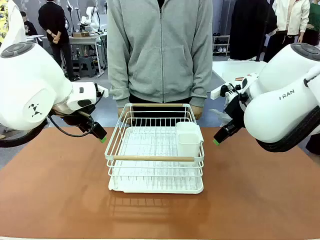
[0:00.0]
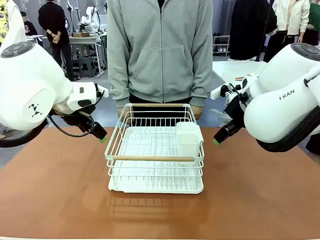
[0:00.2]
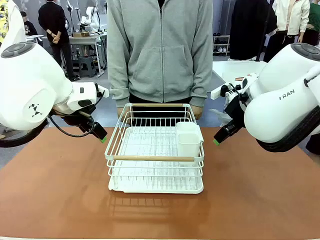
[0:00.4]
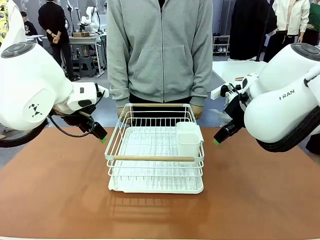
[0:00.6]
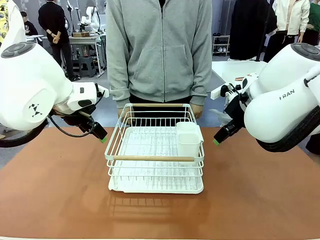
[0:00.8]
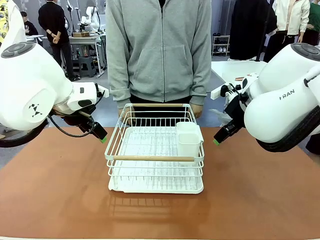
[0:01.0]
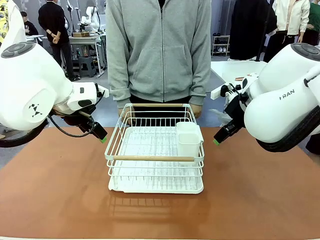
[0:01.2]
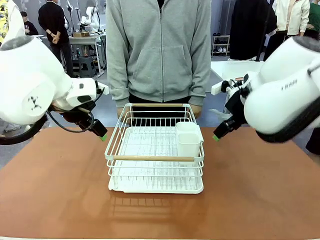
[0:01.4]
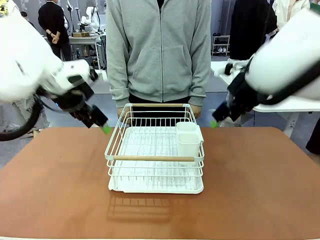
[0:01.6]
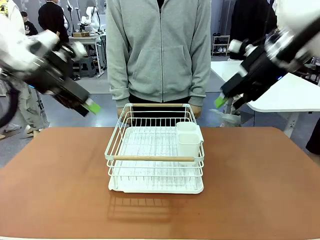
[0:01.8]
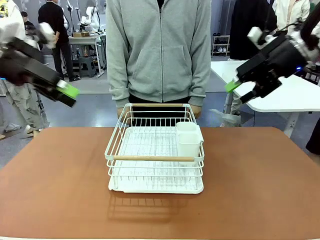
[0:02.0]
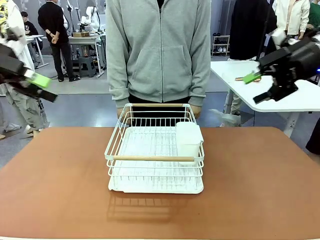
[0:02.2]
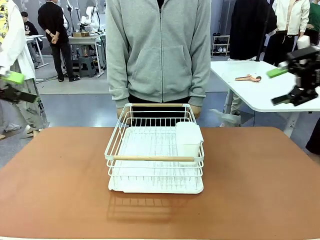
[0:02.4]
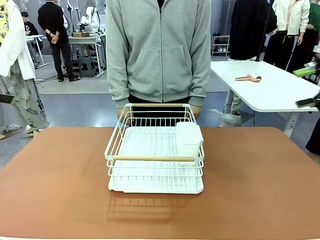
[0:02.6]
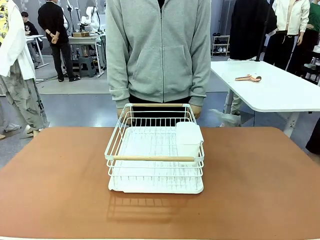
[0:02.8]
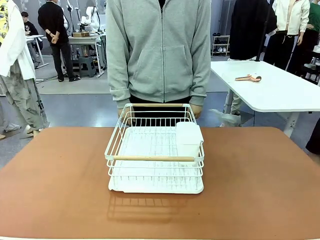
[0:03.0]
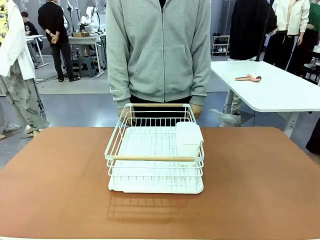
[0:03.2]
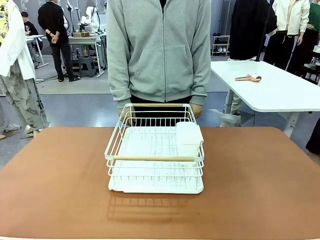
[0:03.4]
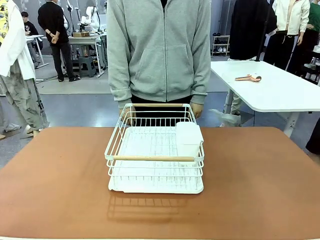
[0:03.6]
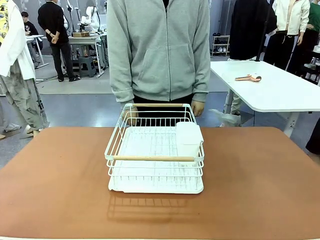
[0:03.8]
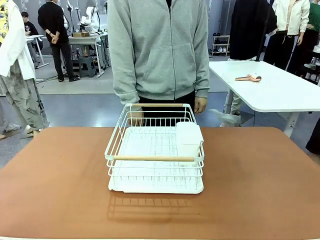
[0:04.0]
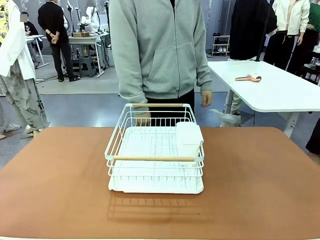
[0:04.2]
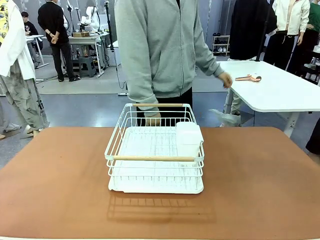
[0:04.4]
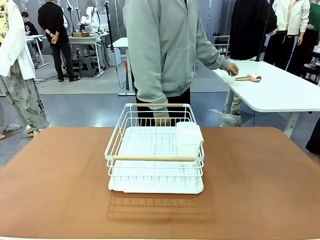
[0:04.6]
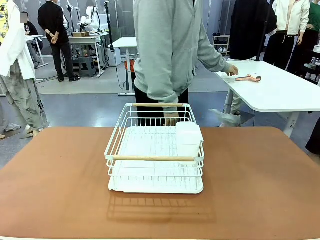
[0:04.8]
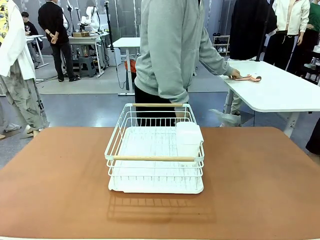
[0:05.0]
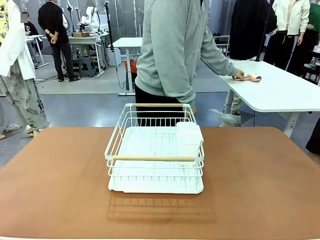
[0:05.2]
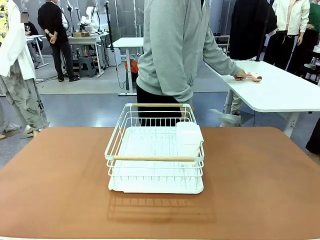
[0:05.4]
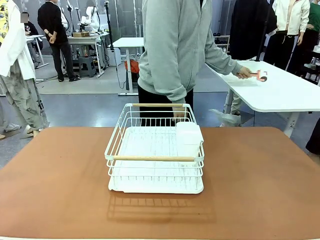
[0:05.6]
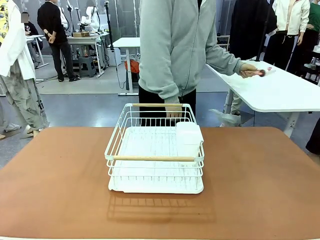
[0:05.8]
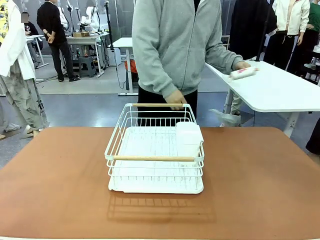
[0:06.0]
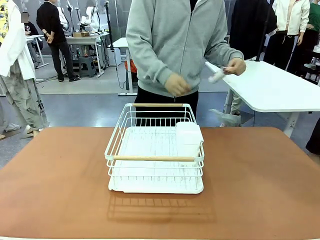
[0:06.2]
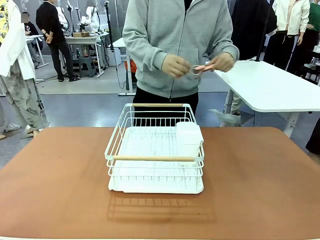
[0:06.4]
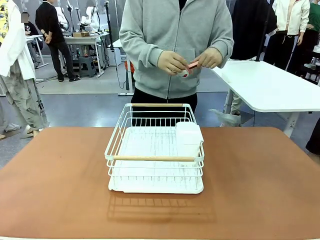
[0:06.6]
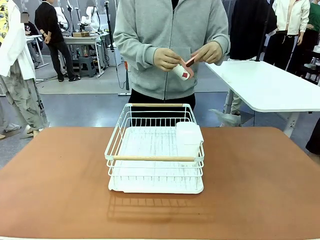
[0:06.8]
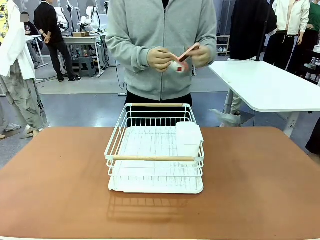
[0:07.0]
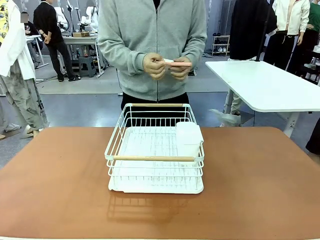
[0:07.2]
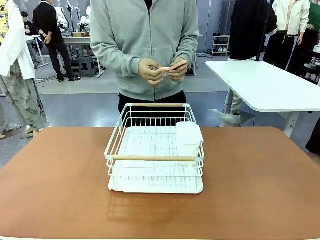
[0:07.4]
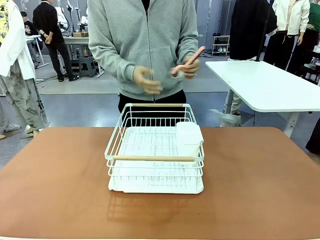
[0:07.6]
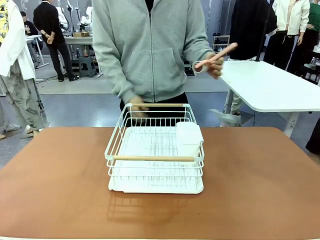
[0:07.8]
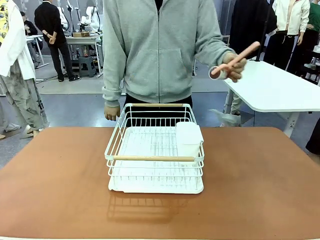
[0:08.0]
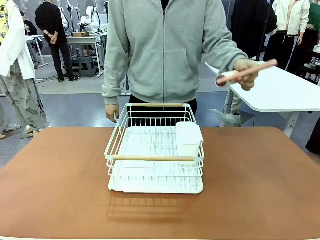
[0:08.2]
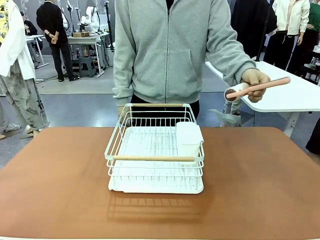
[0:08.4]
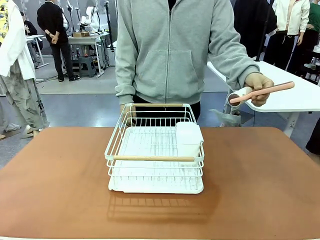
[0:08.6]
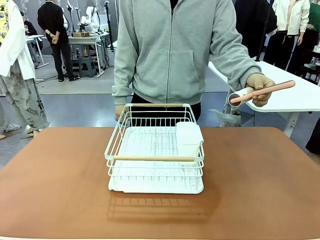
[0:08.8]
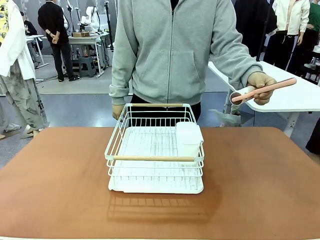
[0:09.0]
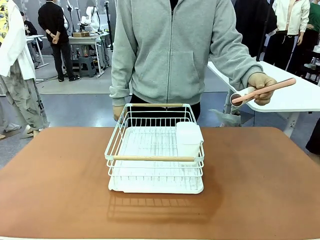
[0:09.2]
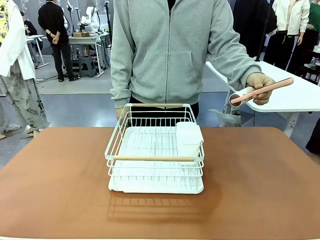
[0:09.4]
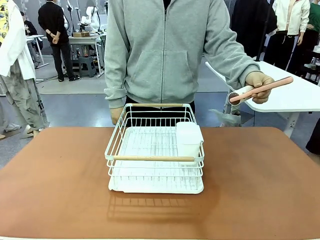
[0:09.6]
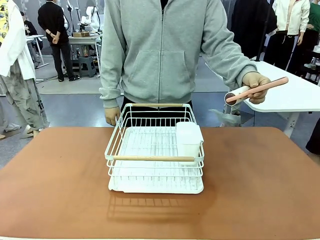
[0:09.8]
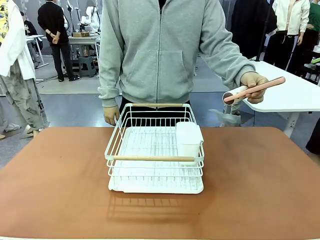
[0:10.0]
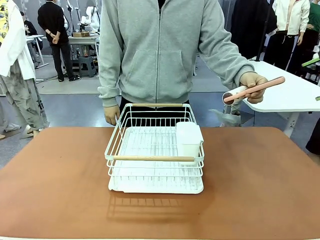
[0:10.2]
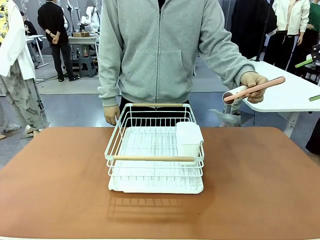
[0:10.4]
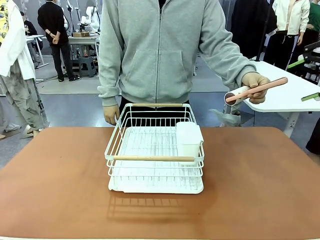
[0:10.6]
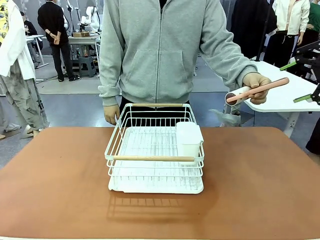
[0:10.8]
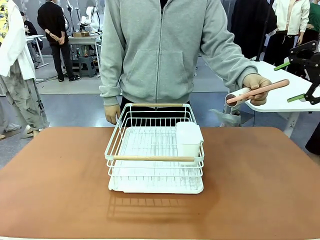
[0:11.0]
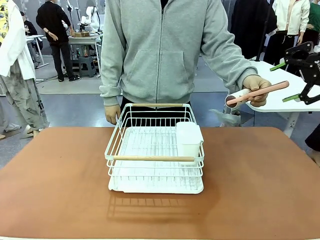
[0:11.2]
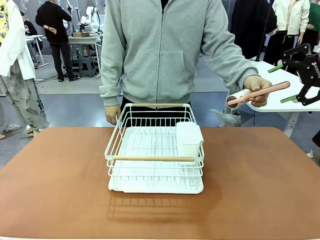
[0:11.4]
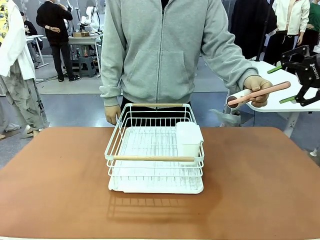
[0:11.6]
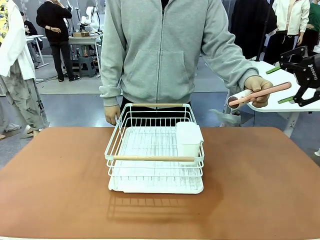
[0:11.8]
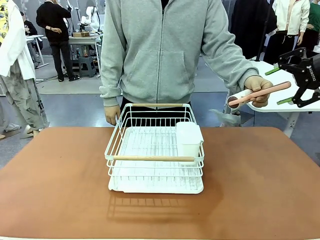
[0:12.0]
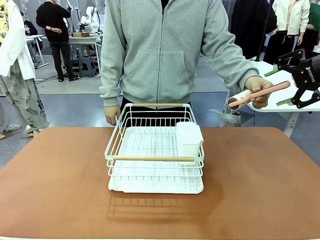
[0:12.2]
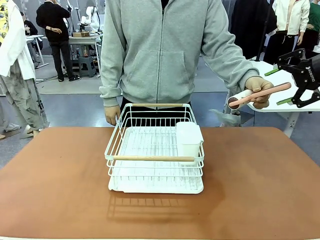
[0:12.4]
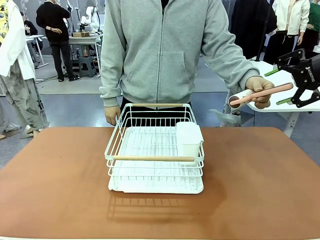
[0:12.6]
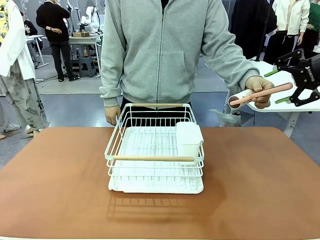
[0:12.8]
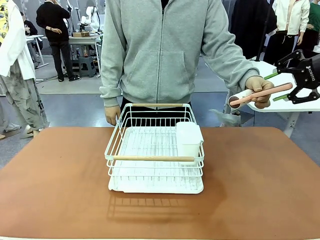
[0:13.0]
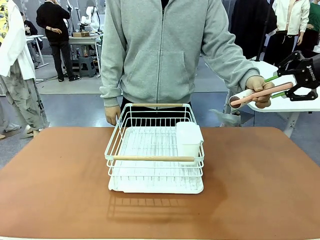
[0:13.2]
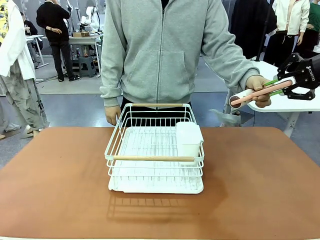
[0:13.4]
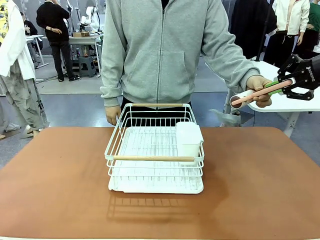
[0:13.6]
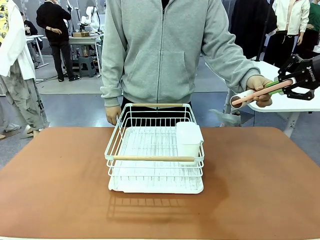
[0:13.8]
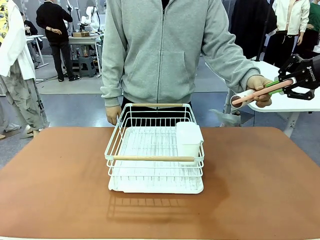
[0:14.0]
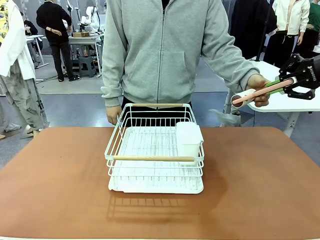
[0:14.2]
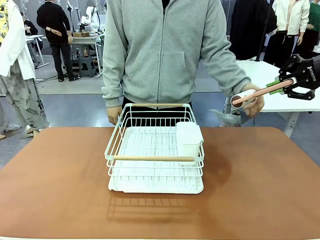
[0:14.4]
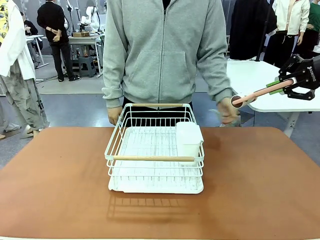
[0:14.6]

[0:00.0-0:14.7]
Task: Clean the table.
Robot: Pick up the Lint Roller when the human hands it over.
Person: Hand the Lint Roller to the robot so it can easily pick it up. Lift the Dish drying rack.
